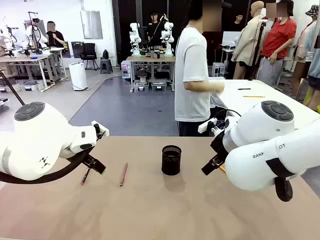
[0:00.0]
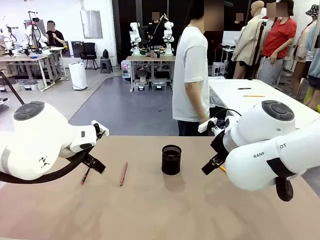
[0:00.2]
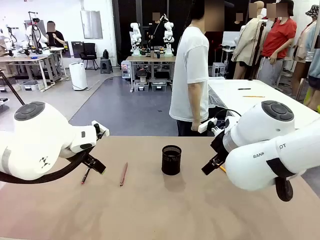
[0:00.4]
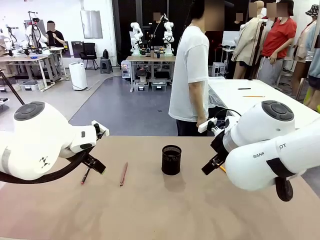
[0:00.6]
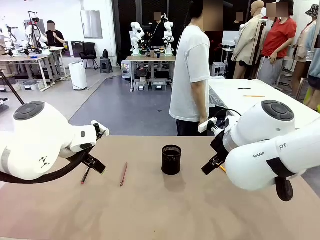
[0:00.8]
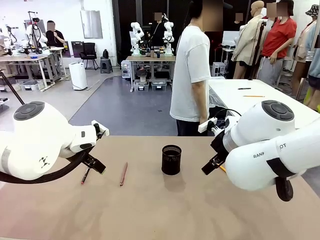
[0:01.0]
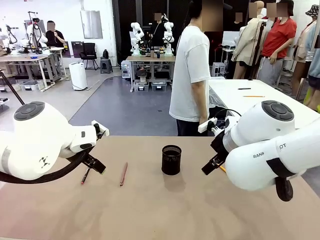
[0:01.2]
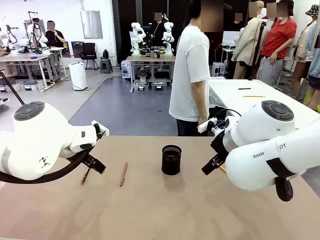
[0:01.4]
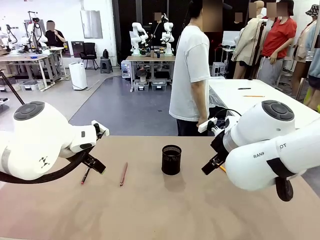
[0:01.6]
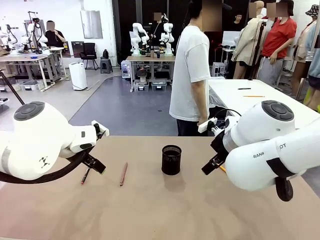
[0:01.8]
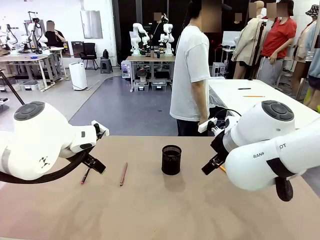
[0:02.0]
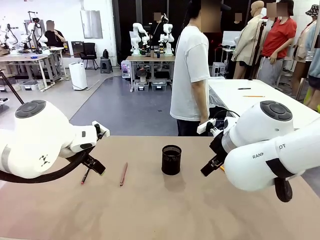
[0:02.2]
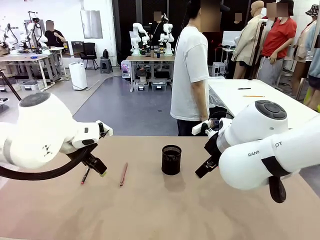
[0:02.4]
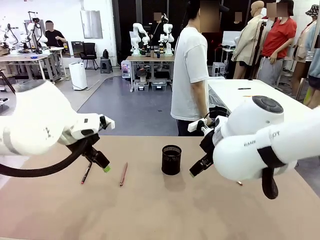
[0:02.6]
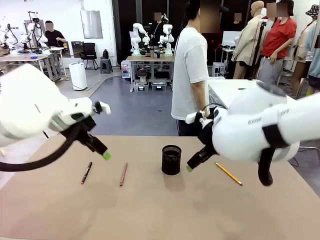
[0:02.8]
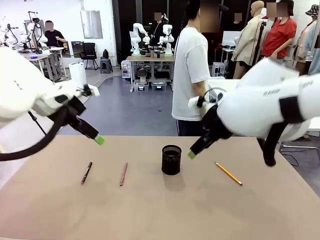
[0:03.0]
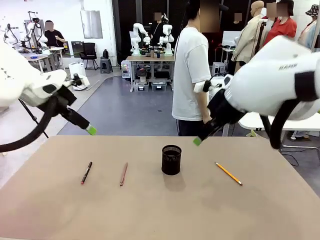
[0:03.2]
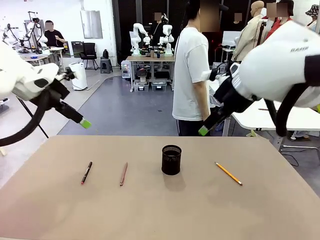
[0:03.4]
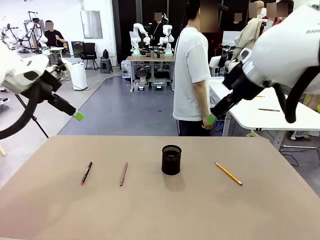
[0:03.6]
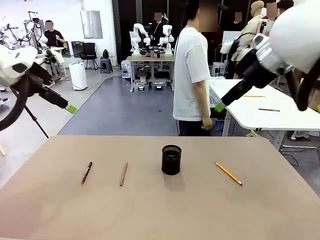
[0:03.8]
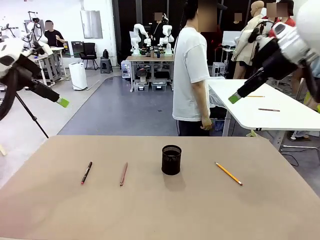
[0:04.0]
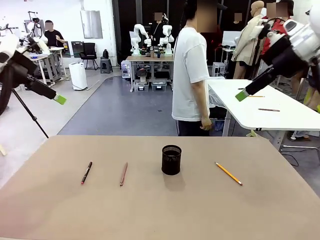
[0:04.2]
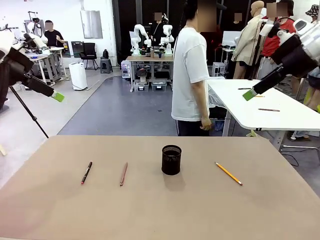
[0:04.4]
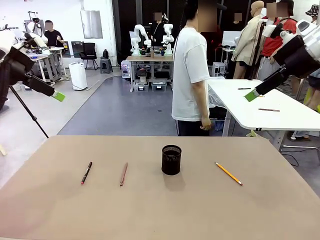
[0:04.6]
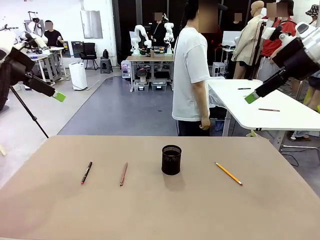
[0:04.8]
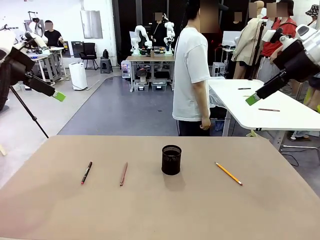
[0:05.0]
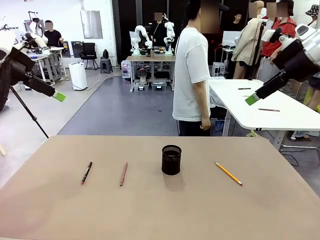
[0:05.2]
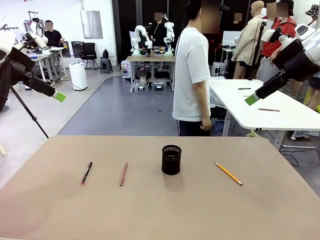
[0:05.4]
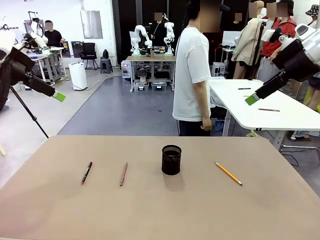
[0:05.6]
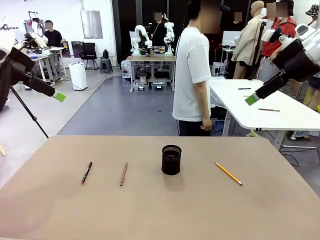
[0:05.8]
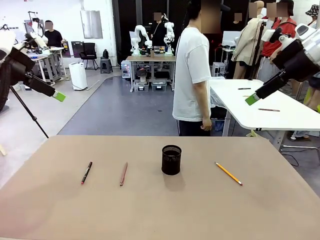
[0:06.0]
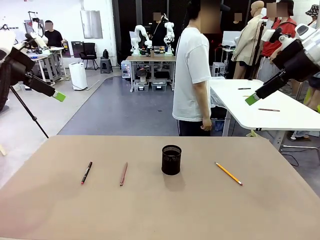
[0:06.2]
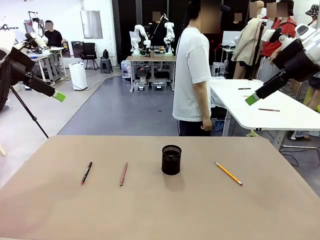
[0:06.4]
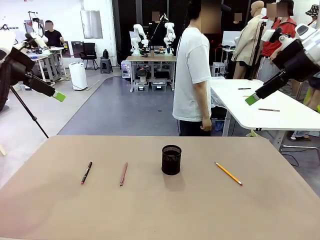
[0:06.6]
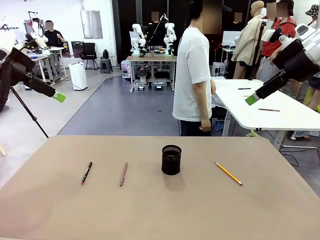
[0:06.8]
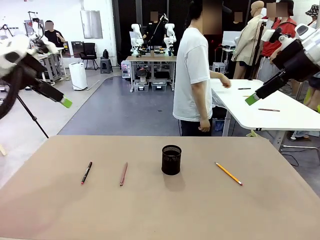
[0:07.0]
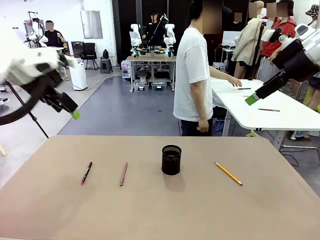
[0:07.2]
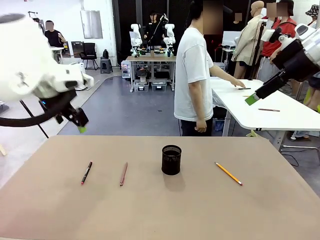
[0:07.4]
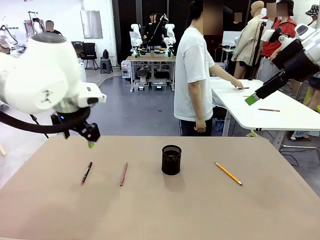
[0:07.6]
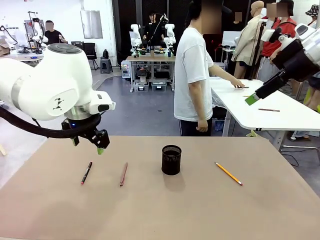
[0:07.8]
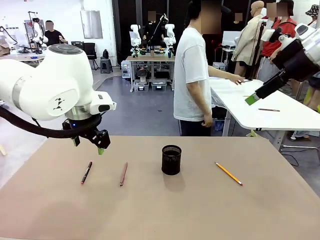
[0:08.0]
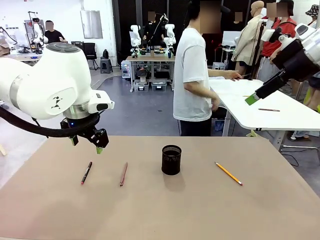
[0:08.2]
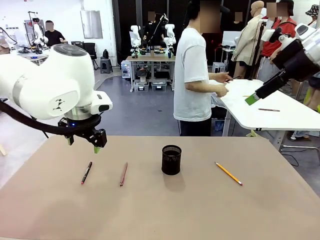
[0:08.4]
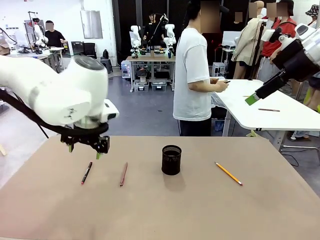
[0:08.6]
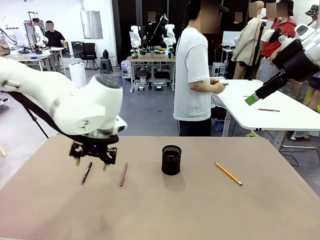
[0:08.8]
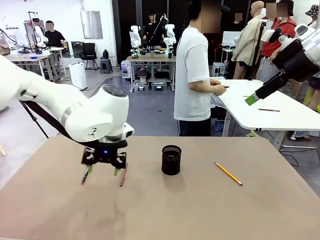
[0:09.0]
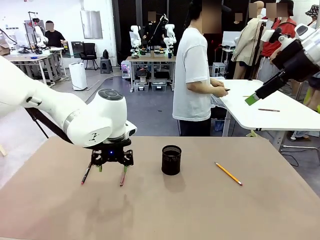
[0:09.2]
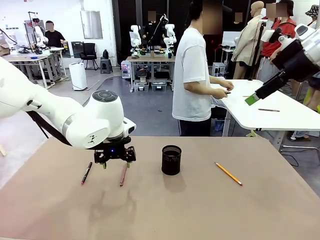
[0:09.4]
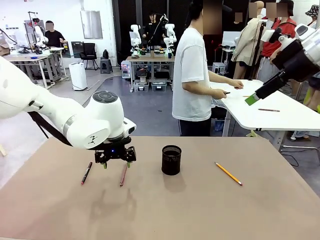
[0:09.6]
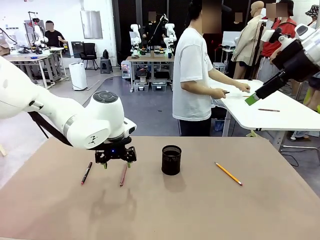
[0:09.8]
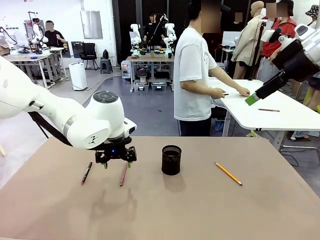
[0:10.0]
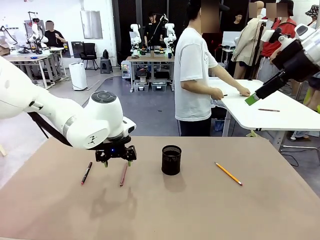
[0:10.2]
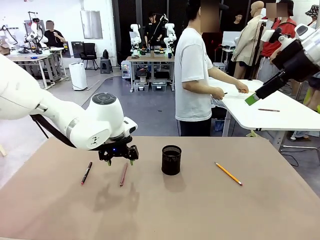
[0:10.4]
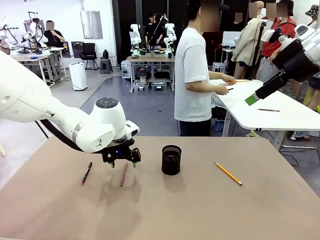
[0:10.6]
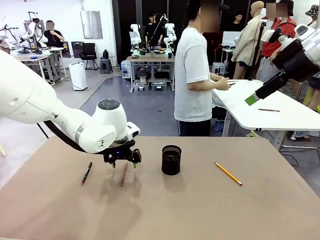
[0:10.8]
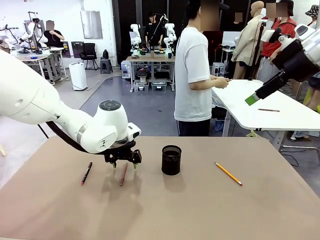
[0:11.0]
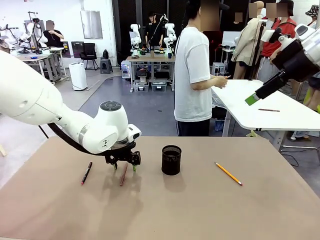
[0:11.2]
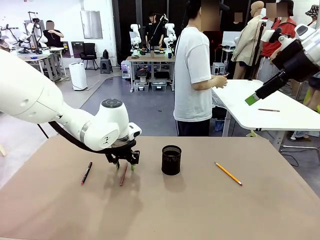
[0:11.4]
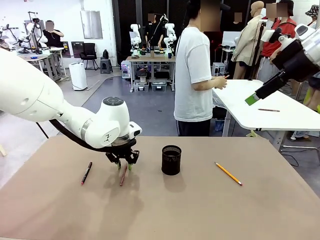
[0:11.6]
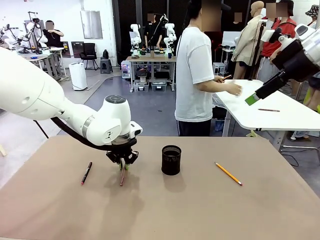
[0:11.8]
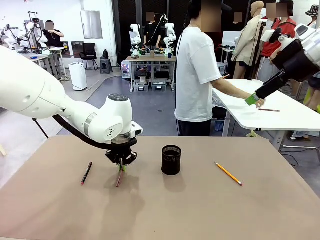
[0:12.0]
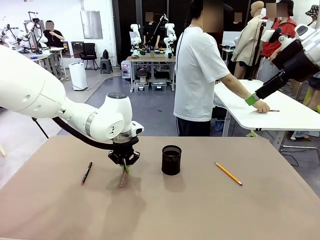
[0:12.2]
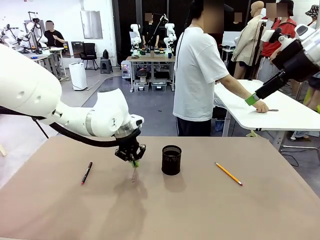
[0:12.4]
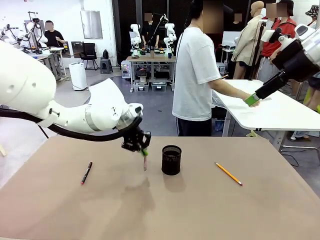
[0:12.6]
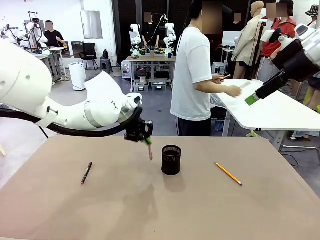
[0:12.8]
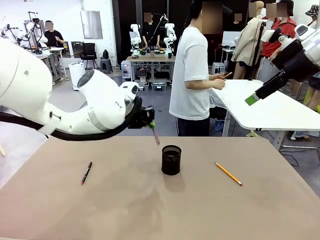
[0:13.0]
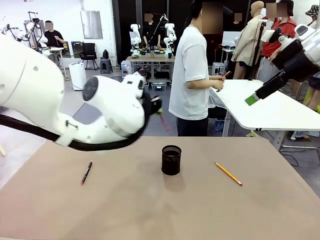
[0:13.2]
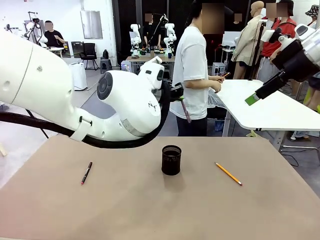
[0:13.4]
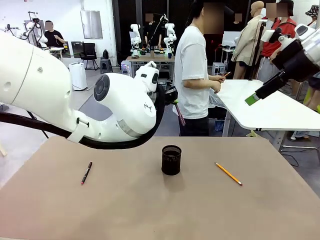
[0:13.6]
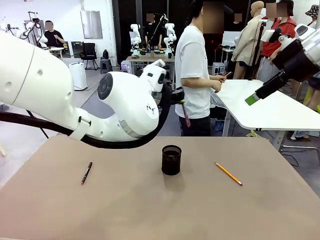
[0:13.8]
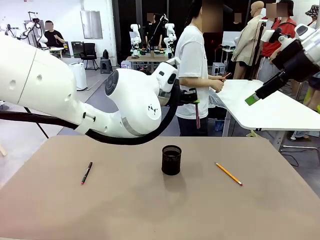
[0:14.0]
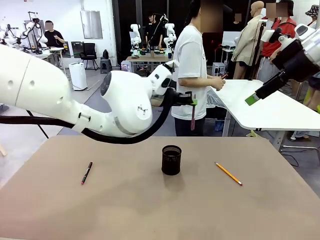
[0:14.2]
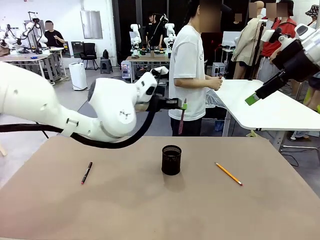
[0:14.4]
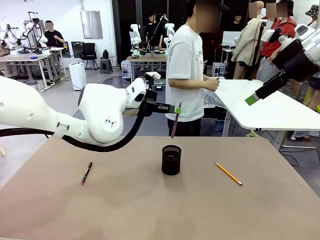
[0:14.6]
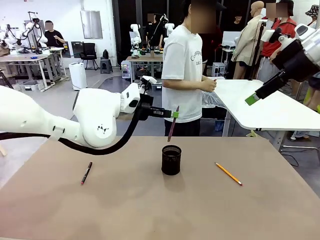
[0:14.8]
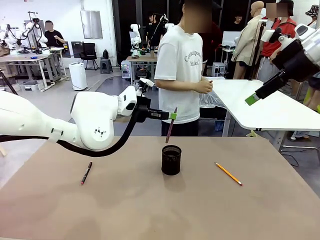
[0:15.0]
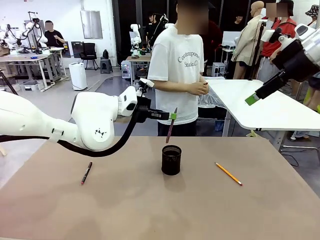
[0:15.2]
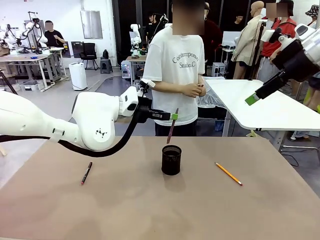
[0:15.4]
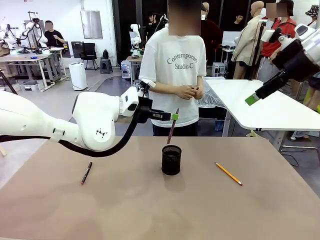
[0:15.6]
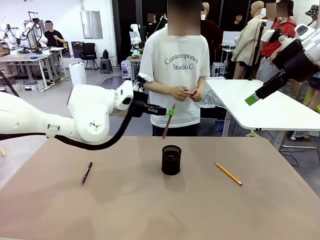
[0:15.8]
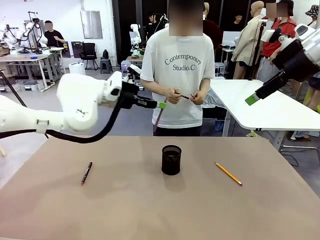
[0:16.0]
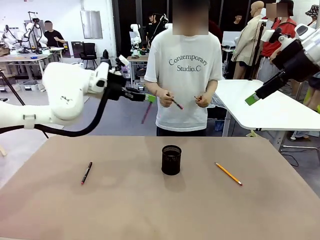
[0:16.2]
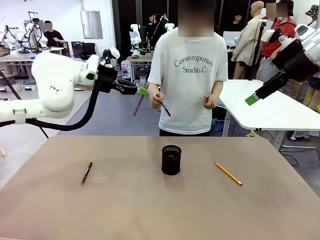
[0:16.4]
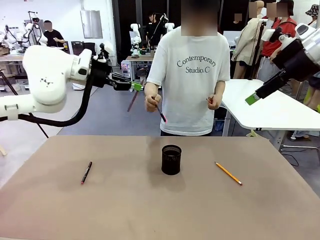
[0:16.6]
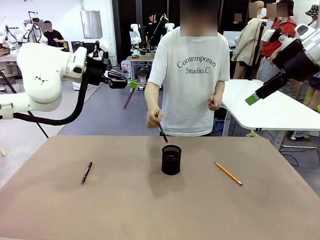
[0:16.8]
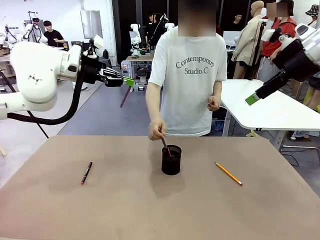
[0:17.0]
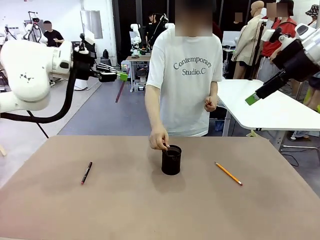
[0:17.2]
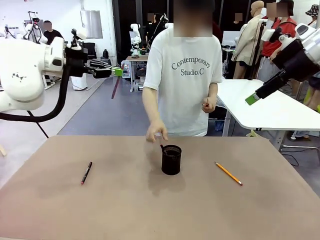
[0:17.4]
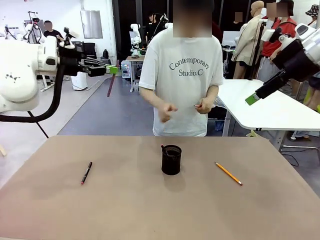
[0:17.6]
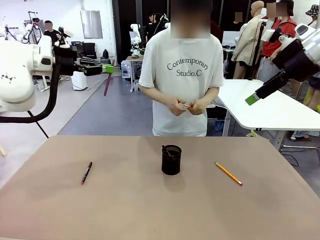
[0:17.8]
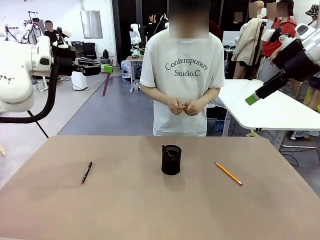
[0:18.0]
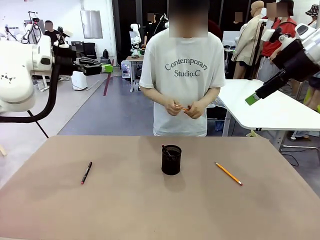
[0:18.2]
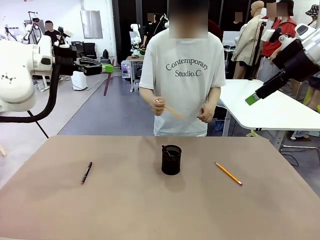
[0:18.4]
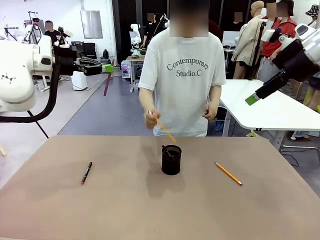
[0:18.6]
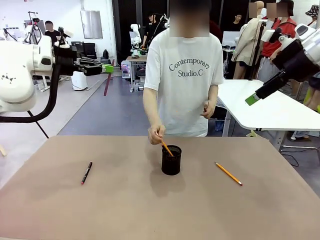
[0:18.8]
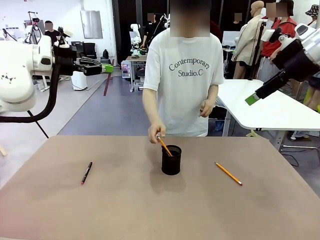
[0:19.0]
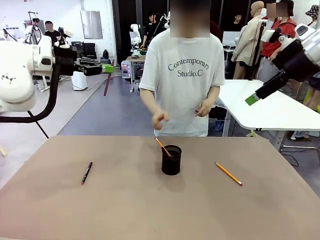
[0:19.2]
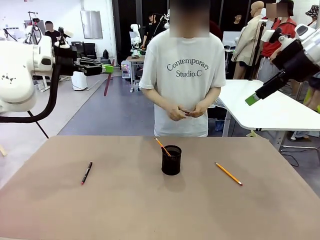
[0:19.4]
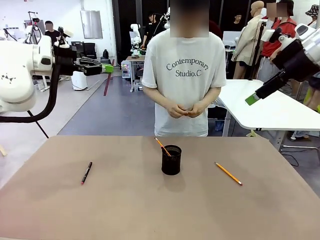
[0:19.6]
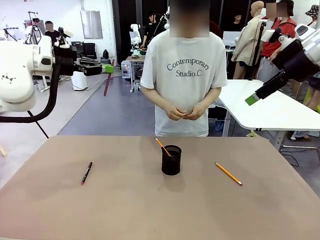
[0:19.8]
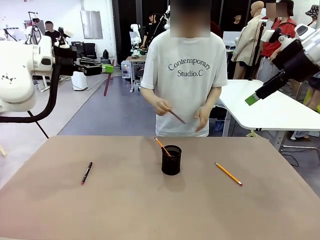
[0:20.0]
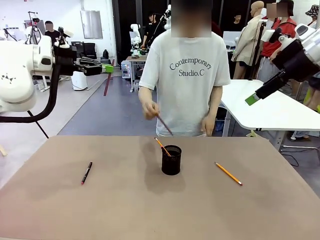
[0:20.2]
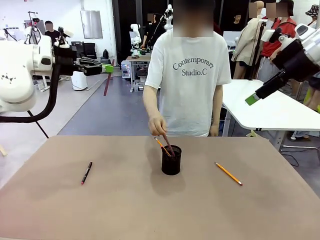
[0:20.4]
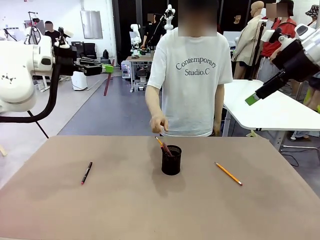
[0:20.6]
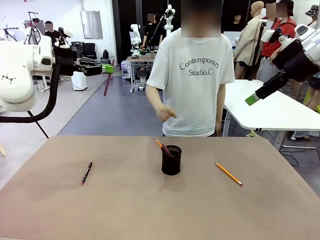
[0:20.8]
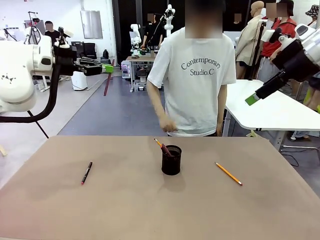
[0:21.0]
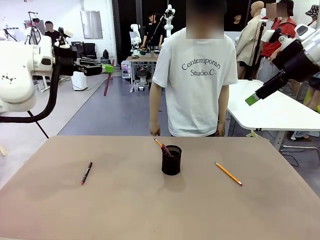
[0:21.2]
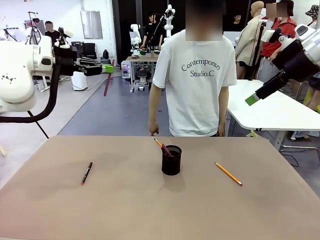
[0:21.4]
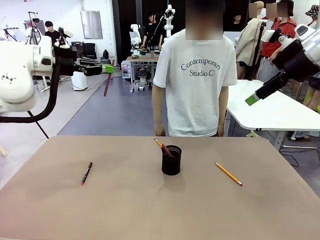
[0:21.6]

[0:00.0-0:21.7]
Task: Place the pens into the pen holder.
Robot: Pick up a writing instrument from the table and place it into the Pen holder.
Person: Pick up all writing instruments from the Human table.
